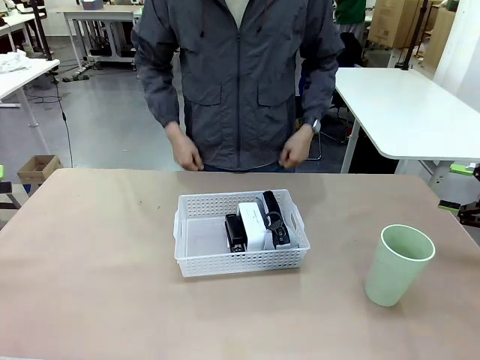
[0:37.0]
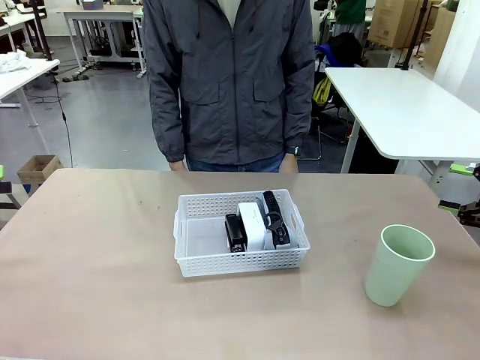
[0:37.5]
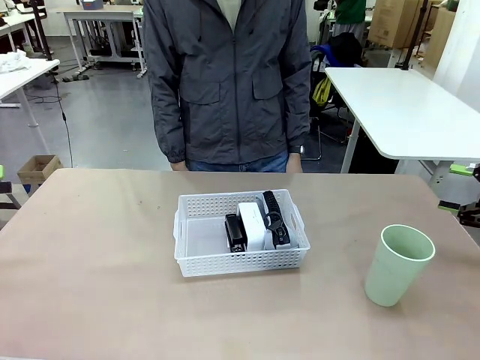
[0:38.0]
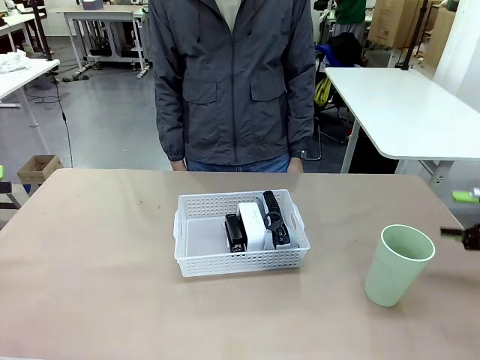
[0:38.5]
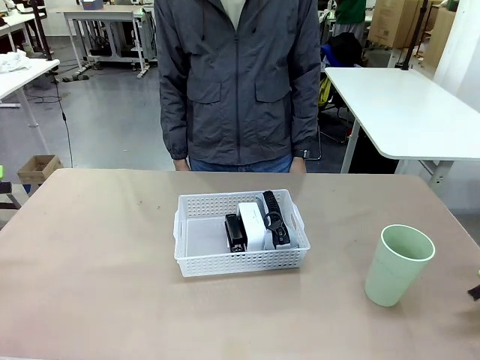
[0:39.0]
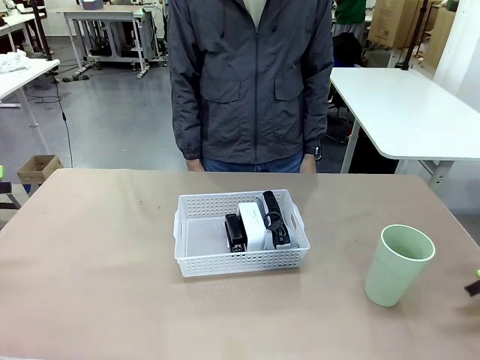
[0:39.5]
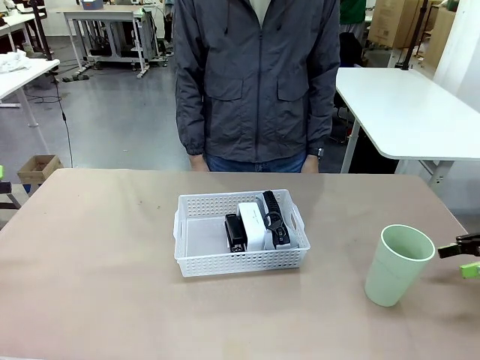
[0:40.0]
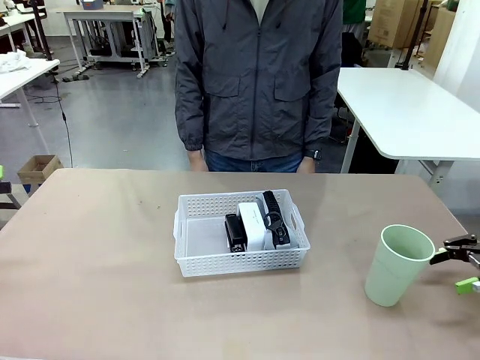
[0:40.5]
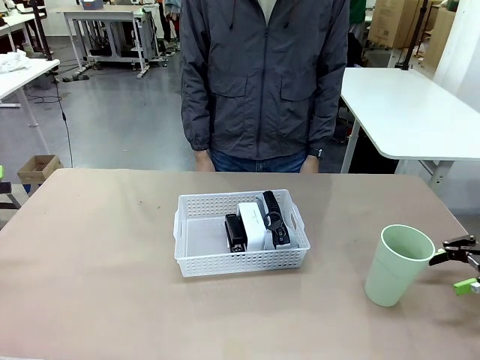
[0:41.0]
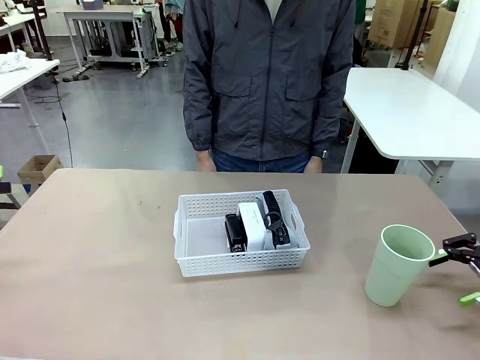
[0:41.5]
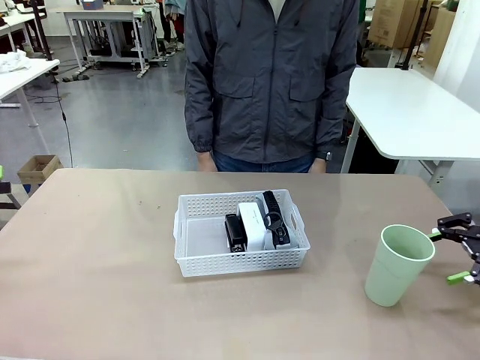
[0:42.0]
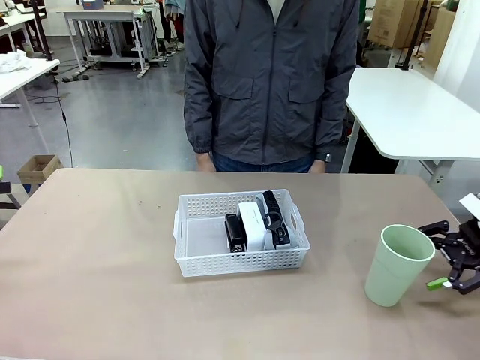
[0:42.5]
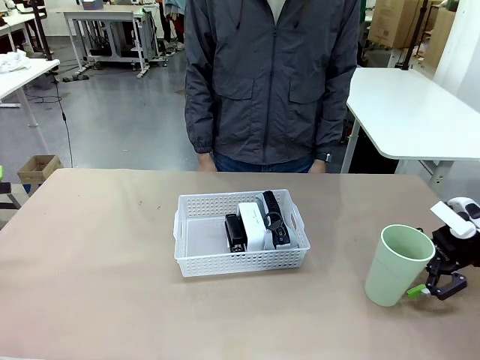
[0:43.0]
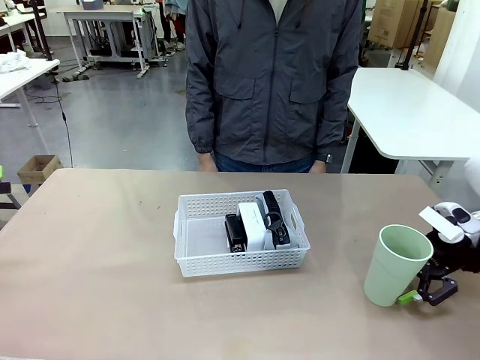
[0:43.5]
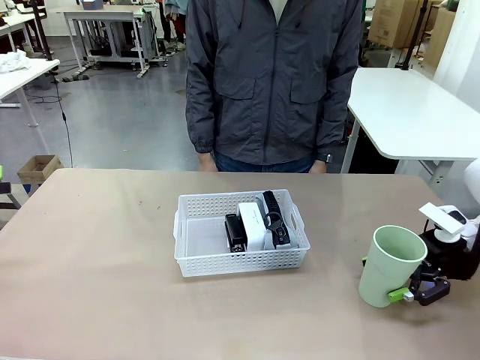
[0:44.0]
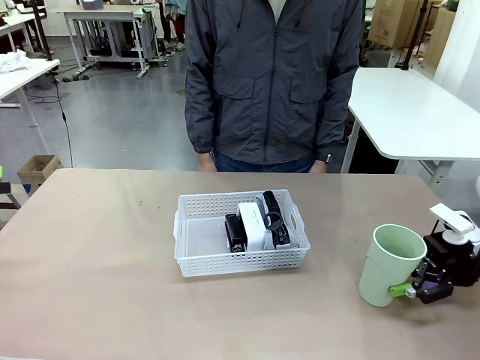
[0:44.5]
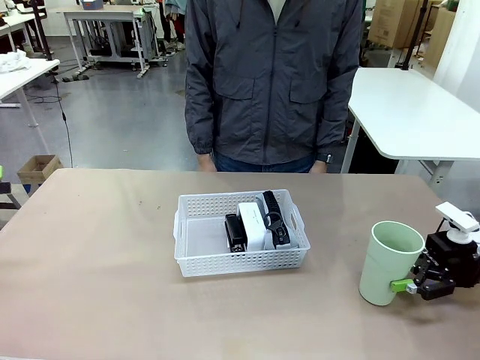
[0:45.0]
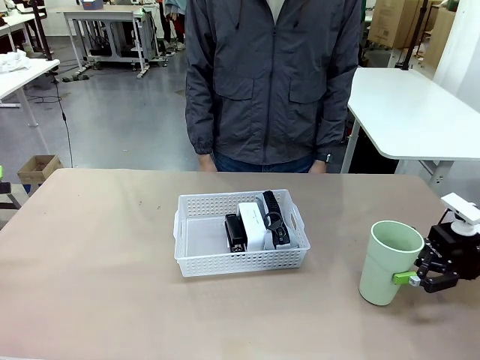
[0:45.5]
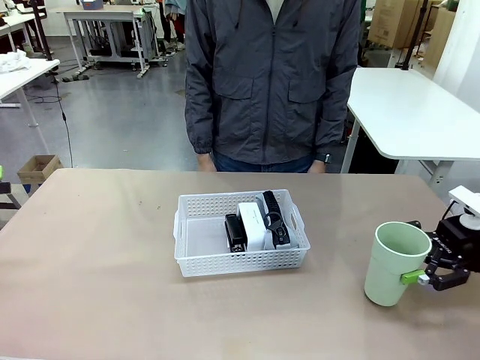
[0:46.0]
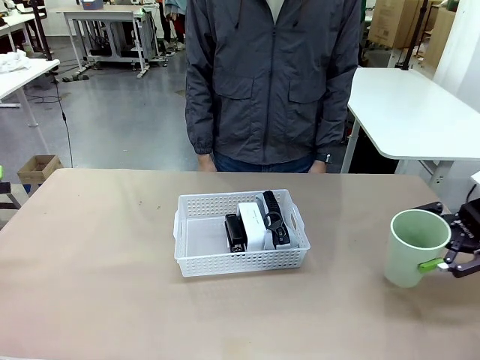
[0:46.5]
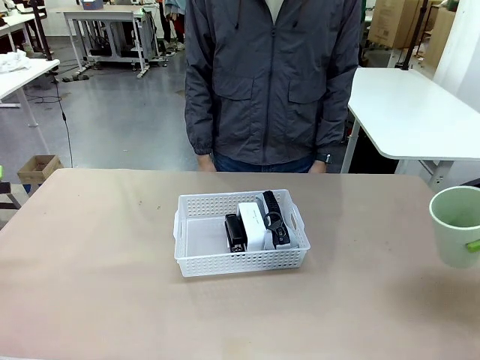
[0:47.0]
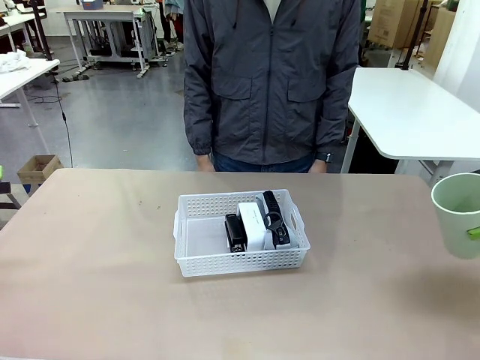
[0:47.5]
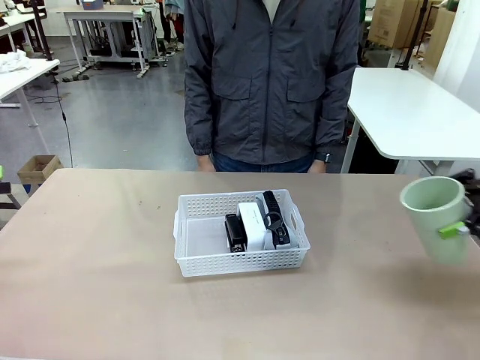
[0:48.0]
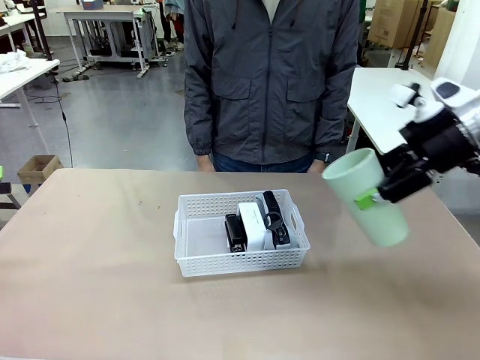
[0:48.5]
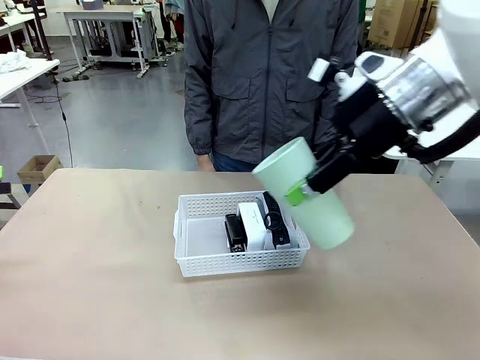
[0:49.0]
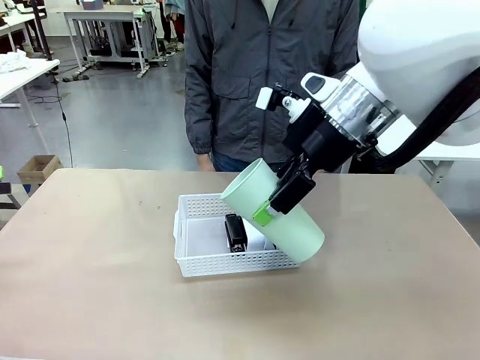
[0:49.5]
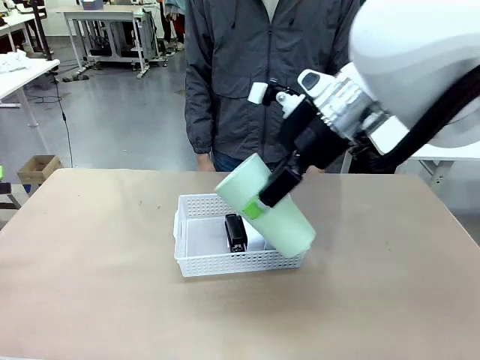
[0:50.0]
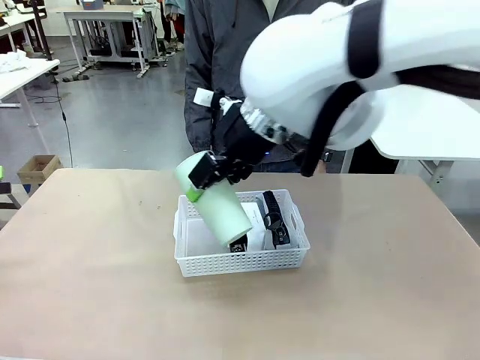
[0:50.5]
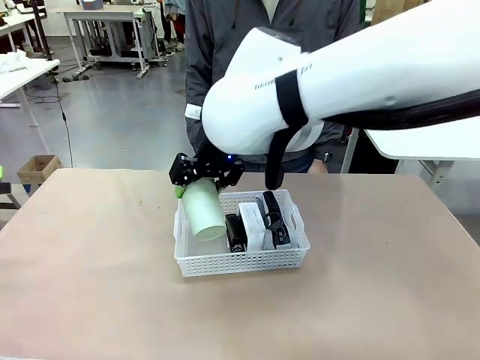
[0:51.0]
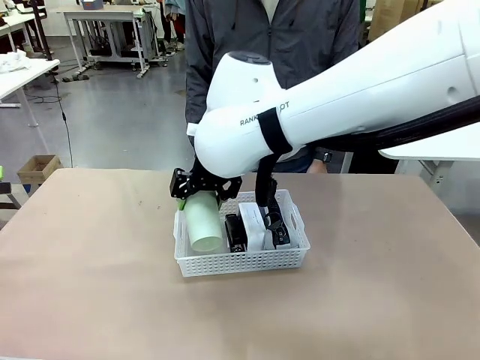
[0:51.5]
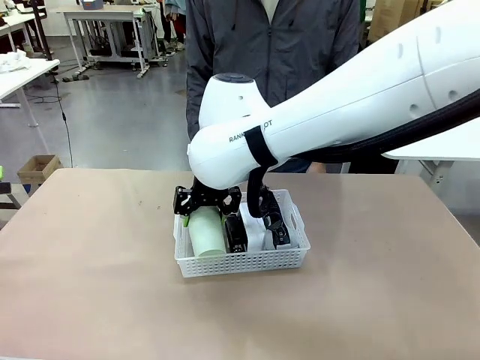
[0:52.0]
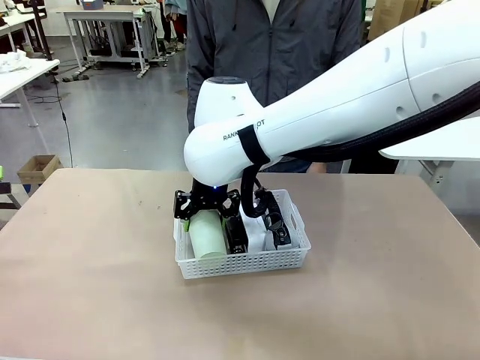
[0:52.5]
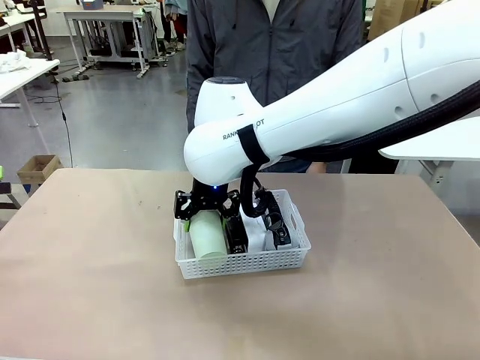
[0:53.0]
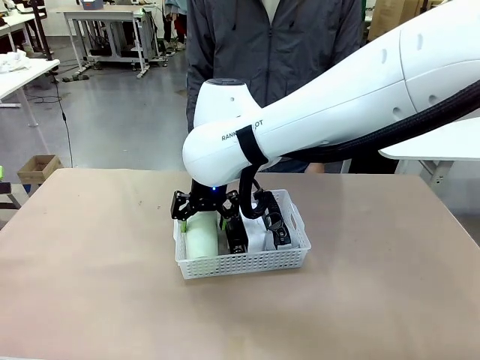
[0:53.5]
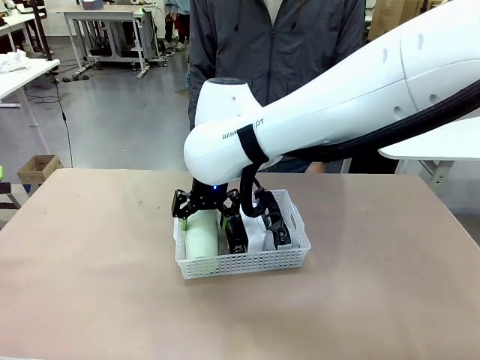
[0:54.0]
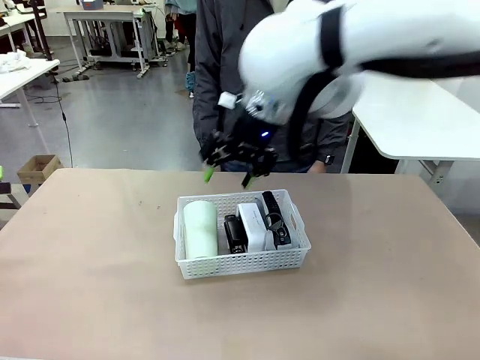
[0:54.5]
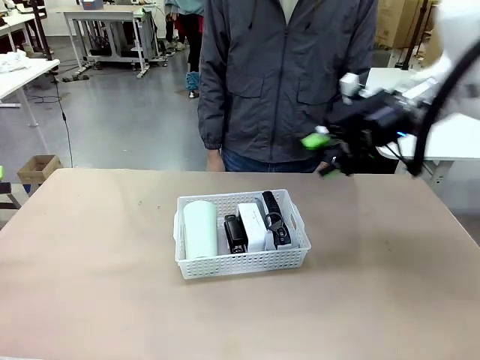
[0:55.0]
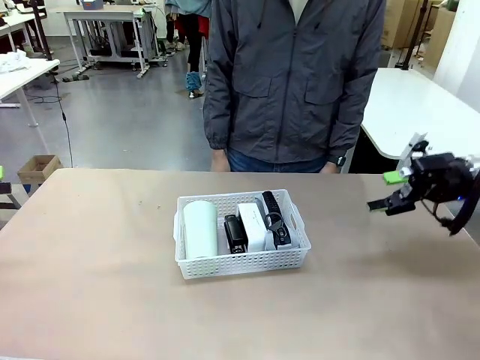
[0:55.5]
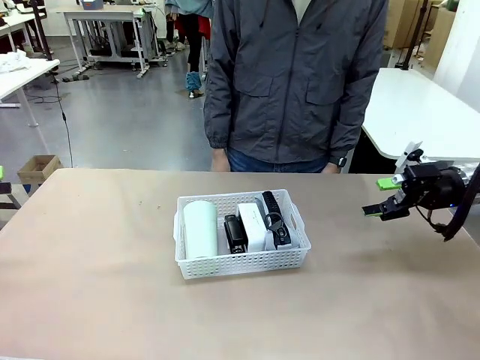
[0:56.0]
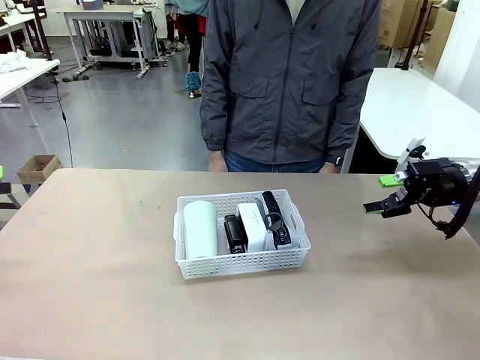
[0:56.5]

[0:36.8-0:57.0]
Task: Efficiently arrange items inside the basket to fit them all.
Robot: Pick up the Reusable plastic cup and place it inside the Organizing basket.
Person: Repositions the stapler.
